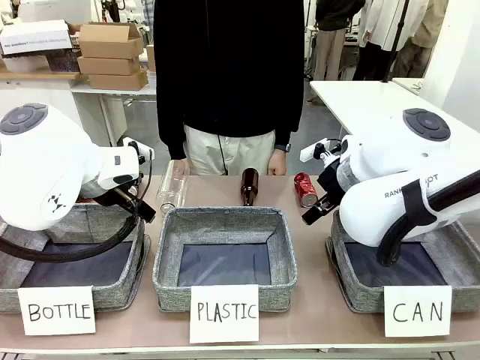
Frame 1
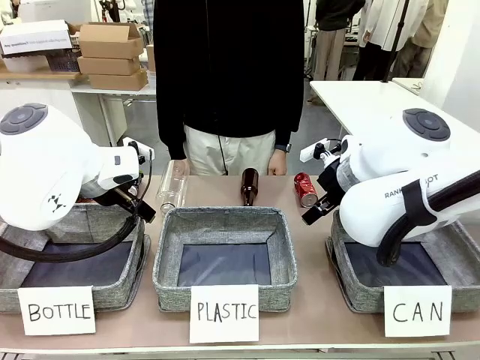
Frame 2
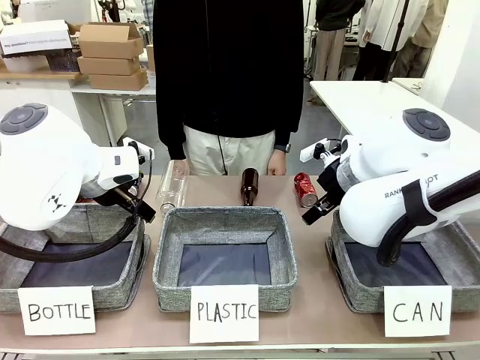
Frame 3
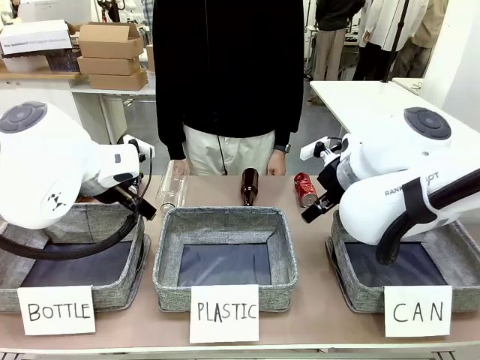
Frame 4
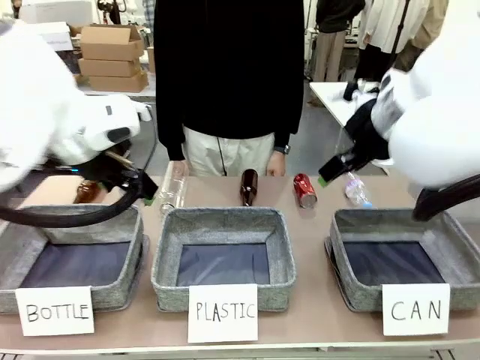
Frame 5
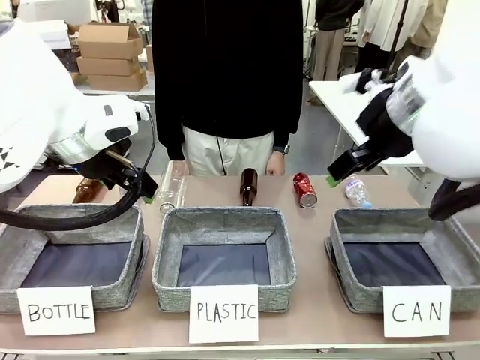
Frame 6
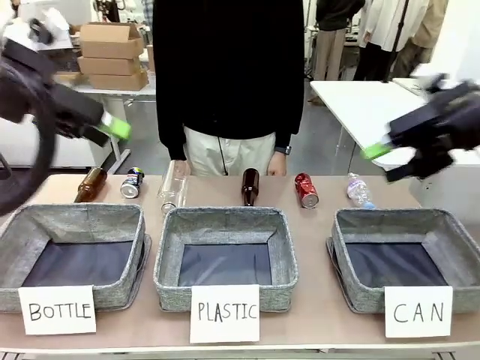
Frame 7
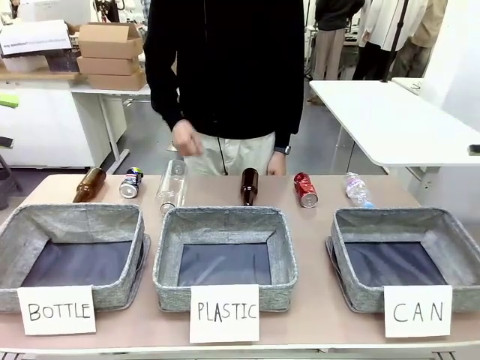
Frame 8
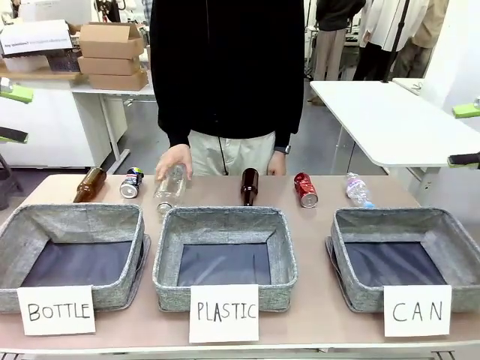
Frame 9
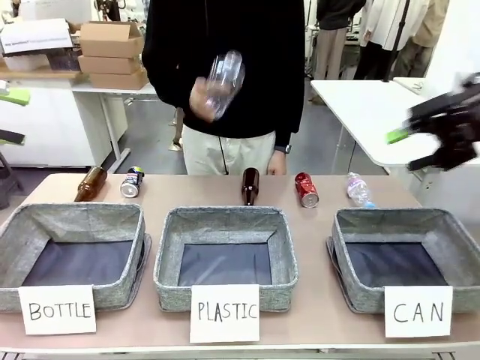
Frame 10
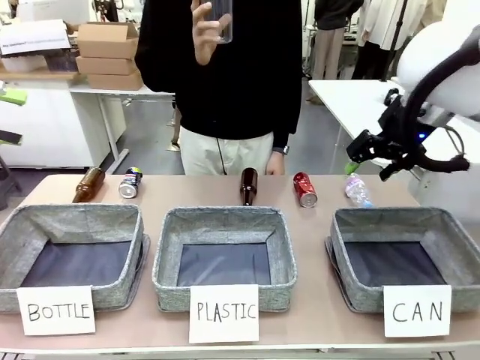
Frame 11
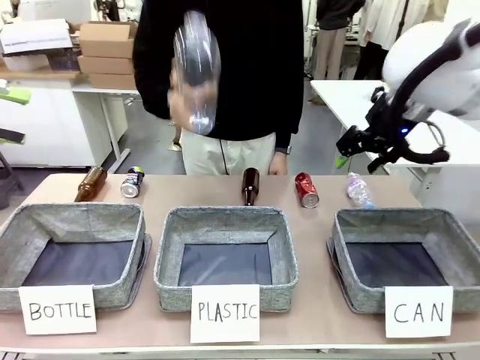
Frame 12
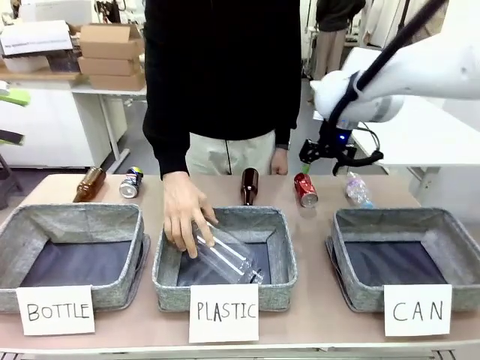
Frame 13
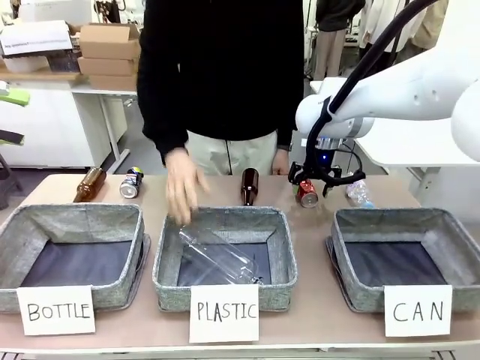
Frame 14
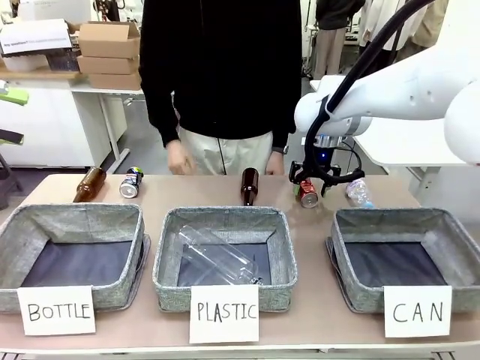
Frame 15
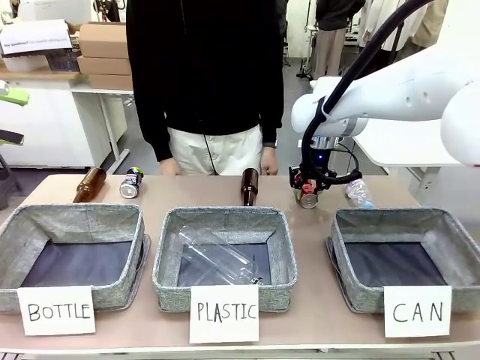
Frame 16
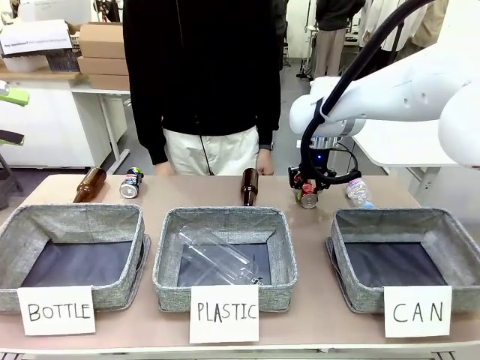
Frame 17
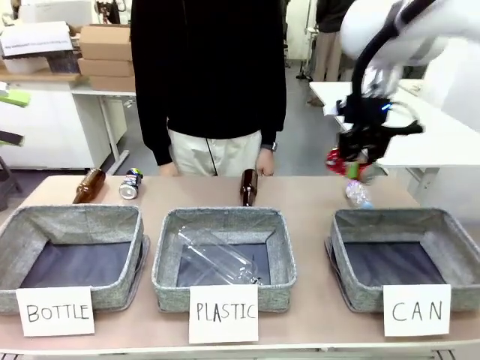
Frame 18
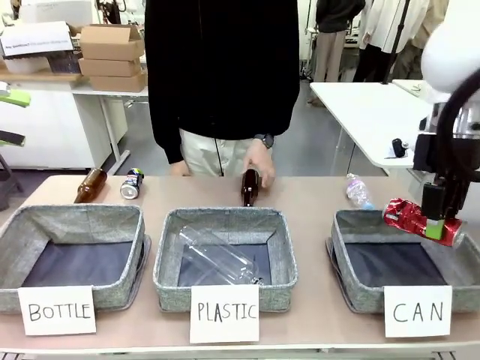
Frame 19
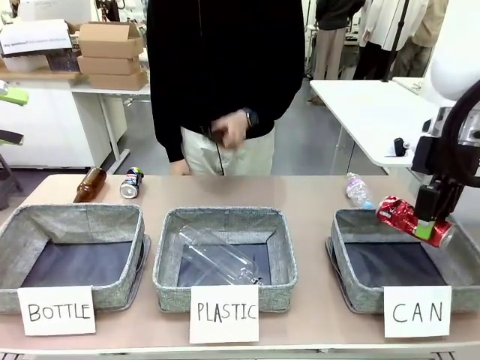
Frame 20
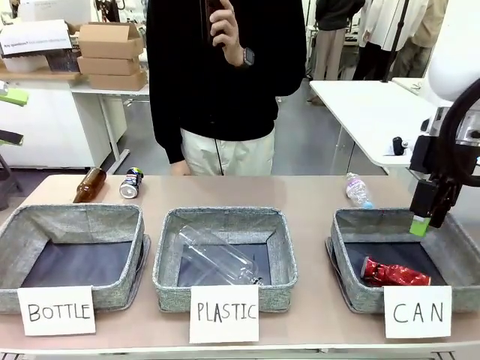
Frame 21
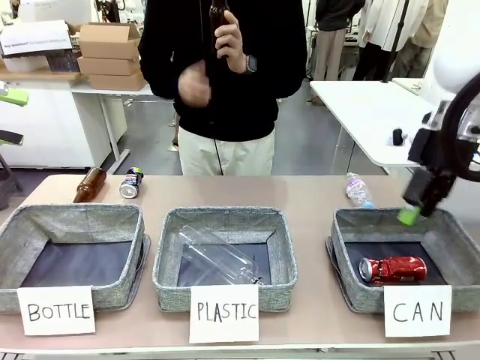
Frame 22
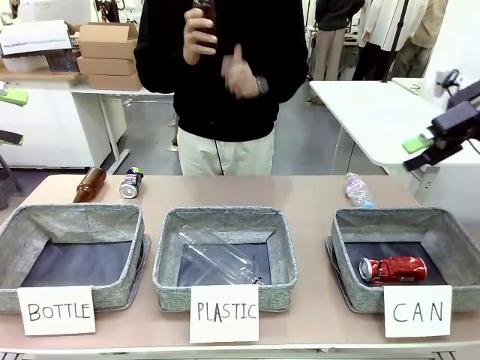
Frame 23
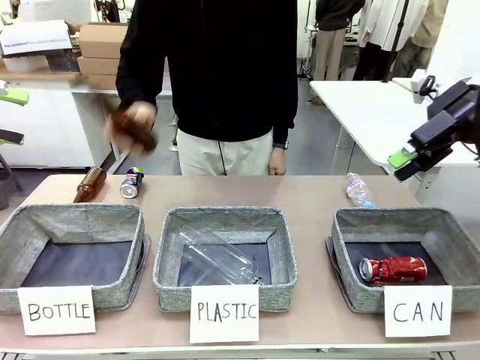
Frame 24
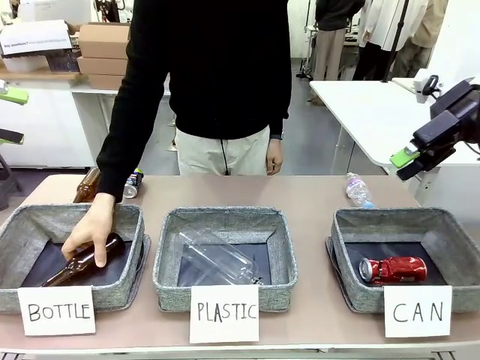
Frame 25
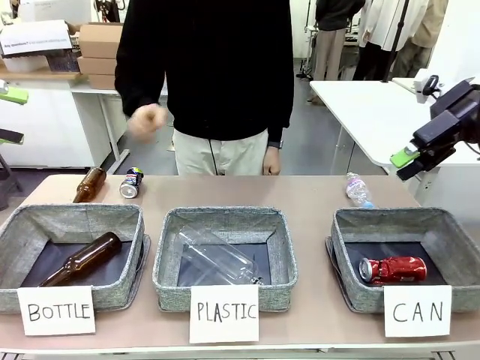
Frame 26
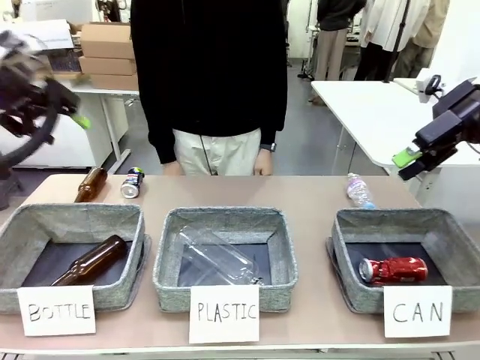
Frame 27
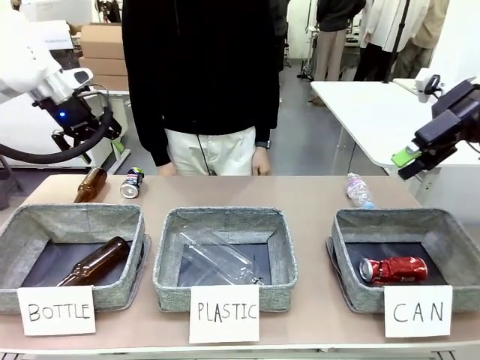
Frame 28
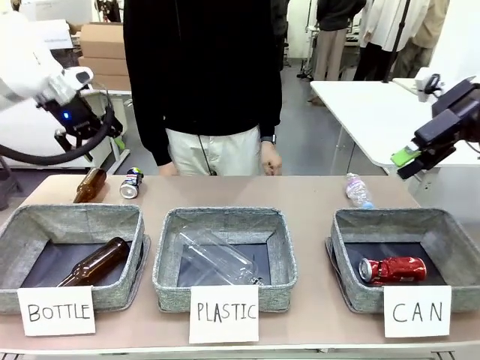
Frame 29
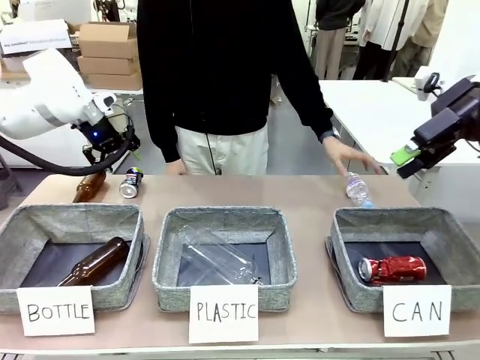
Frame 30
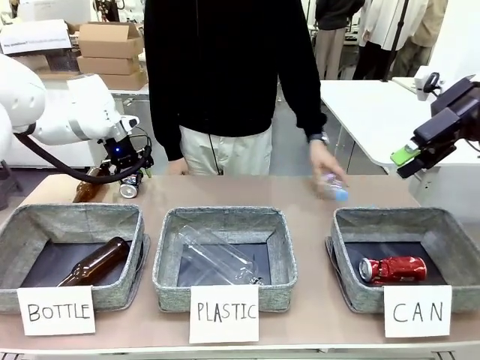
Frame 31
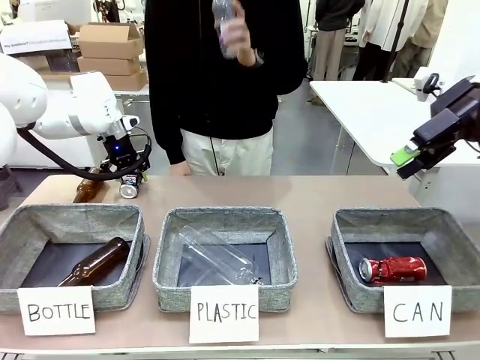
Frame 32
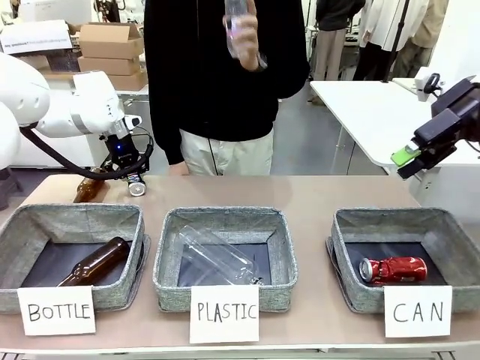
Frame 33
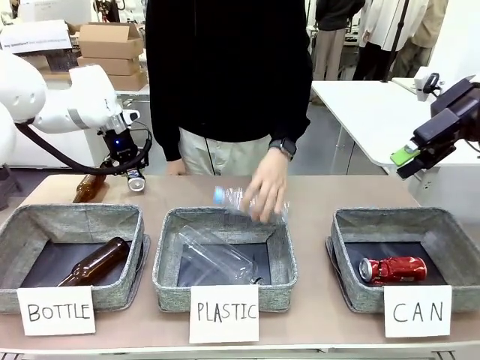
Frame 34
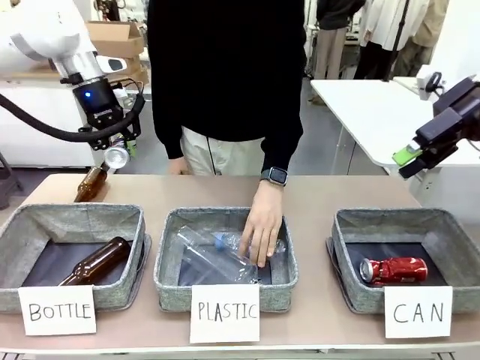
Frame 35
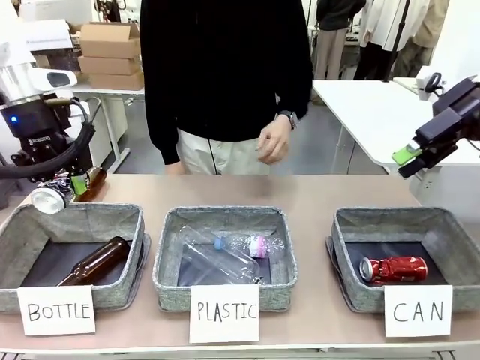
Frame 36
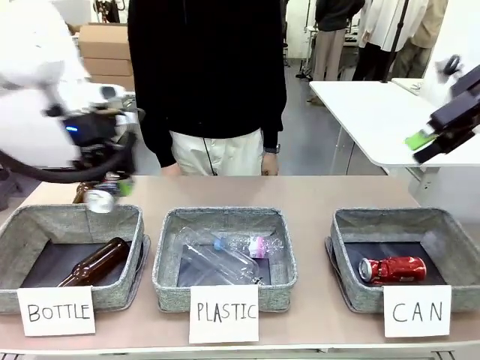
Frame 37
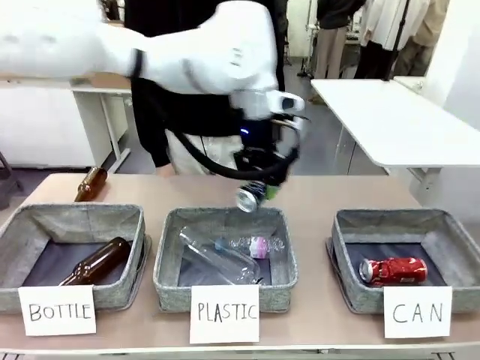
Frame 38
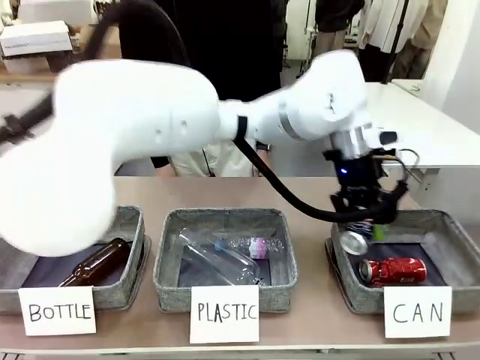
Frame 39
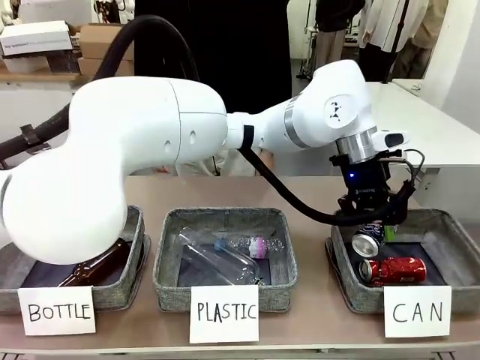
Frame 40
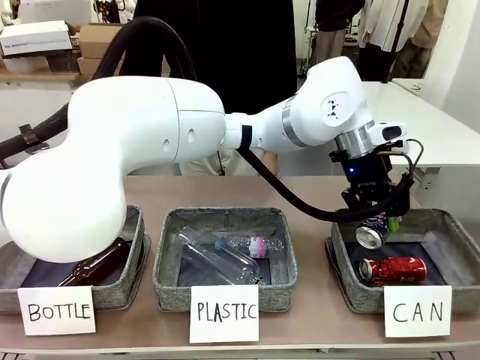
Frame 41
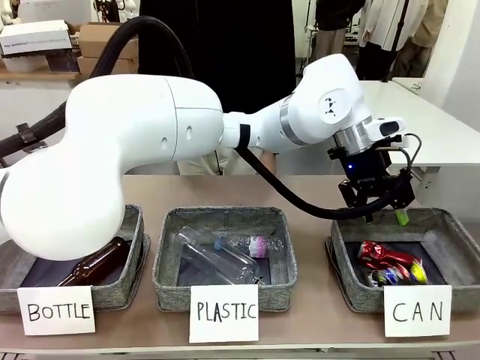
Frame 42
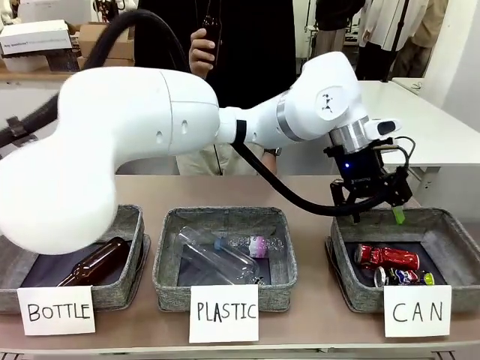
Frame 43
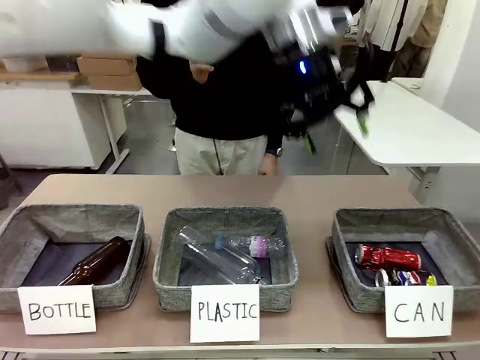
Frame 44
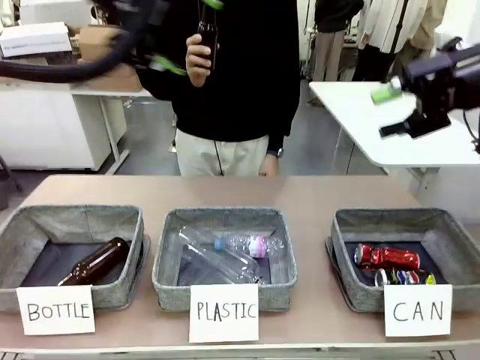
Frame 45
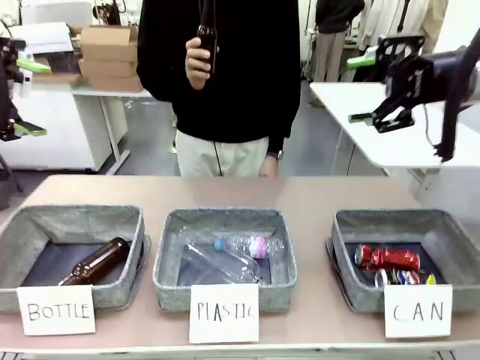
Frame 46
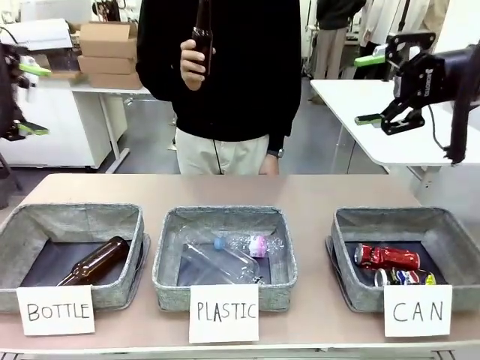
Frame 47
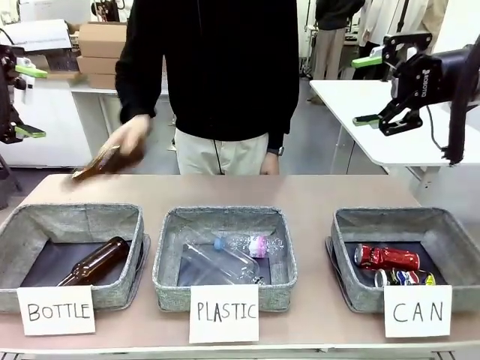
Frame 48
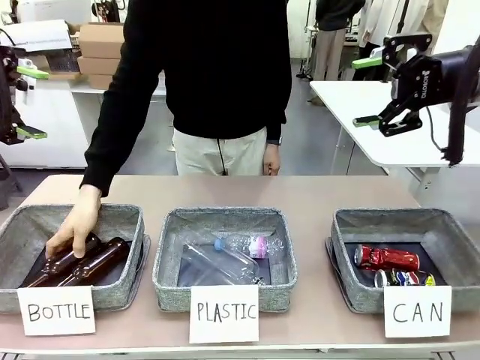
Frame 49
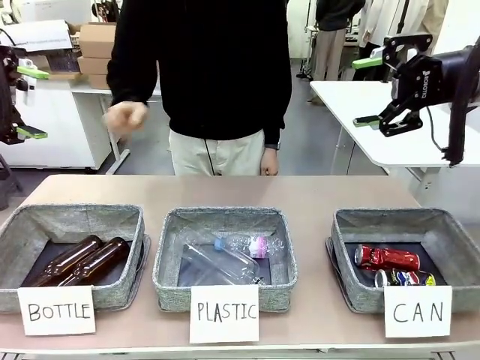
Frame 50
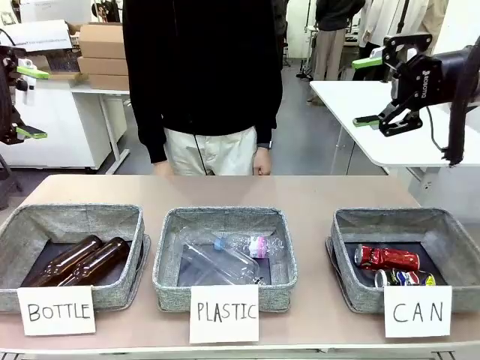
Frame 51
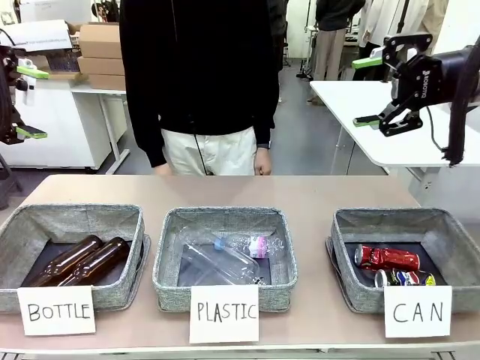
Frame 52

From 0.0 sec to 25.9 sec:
Task: Sort the can waste into the basket.
Robot: Pick up the can waste from the table and place it in the right Fabric basket.
Person: The human picks up one piece of trash that is not a can and places the trash into the appropriate organizing basket.
